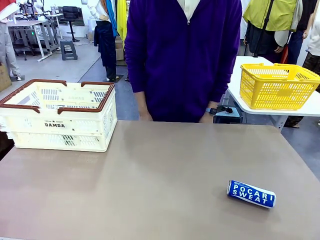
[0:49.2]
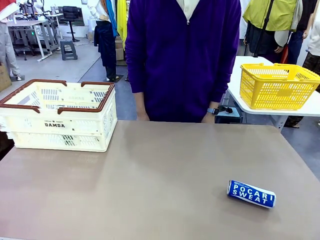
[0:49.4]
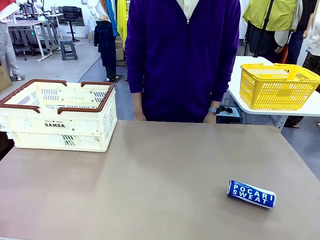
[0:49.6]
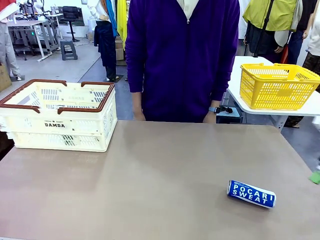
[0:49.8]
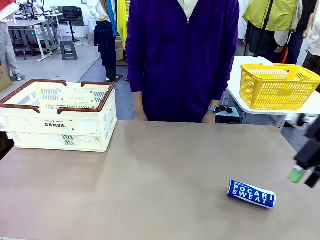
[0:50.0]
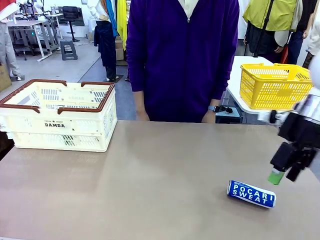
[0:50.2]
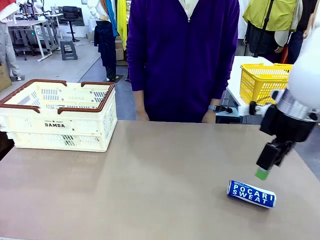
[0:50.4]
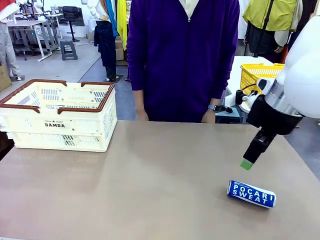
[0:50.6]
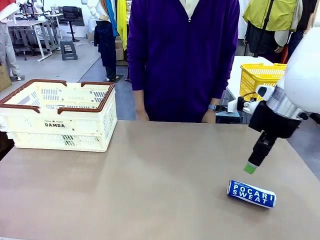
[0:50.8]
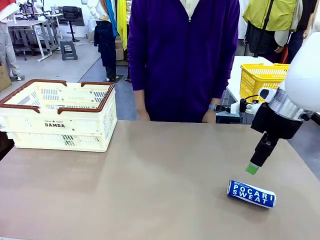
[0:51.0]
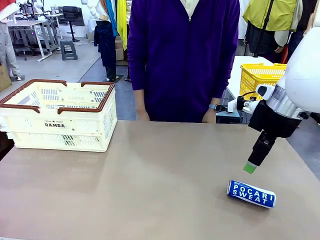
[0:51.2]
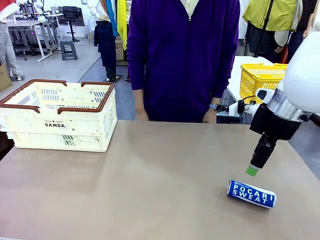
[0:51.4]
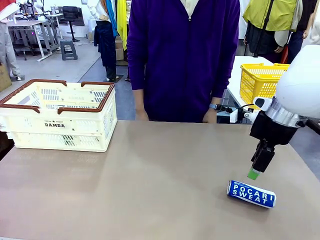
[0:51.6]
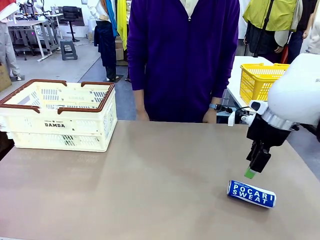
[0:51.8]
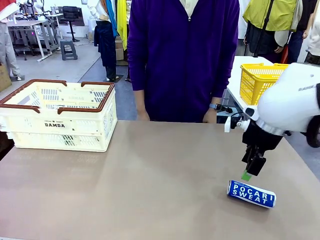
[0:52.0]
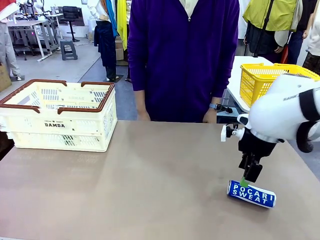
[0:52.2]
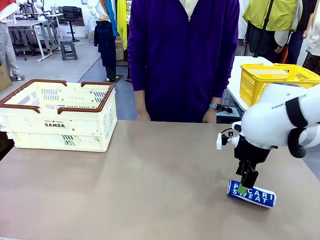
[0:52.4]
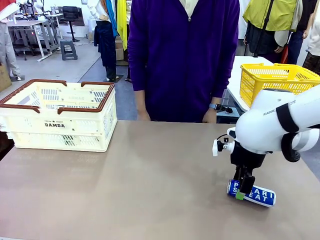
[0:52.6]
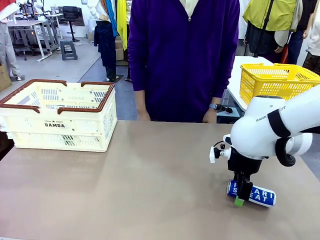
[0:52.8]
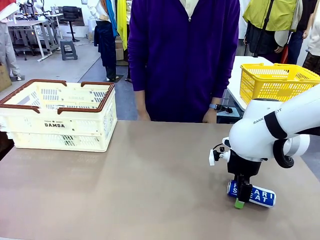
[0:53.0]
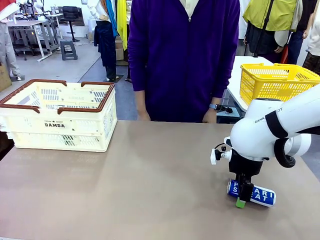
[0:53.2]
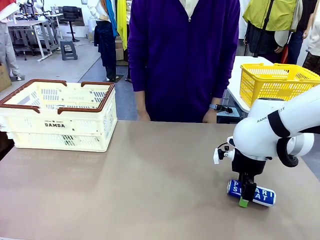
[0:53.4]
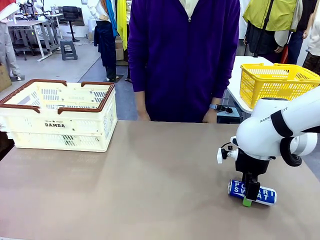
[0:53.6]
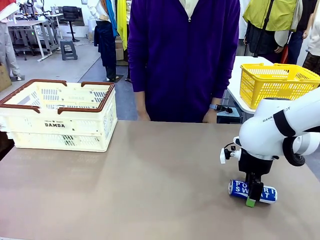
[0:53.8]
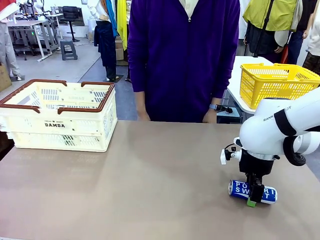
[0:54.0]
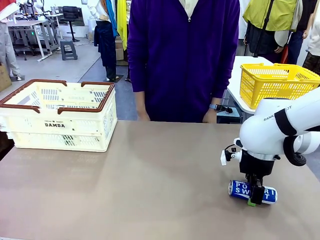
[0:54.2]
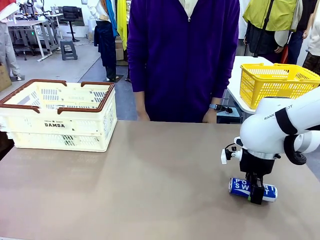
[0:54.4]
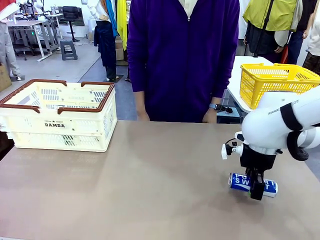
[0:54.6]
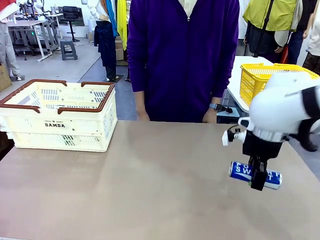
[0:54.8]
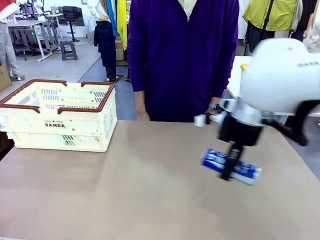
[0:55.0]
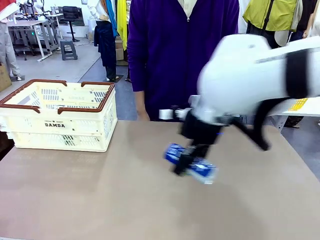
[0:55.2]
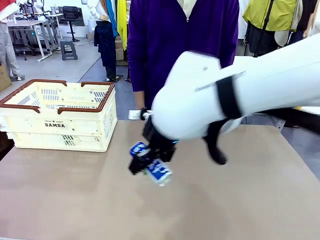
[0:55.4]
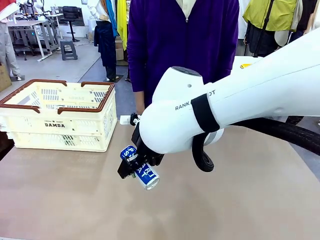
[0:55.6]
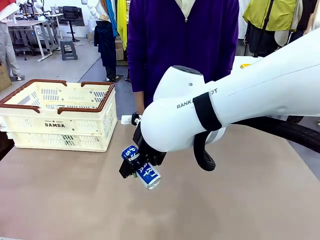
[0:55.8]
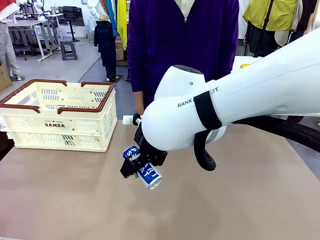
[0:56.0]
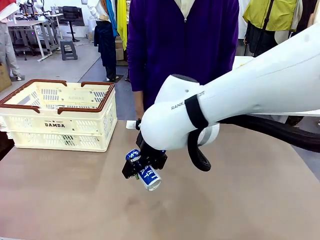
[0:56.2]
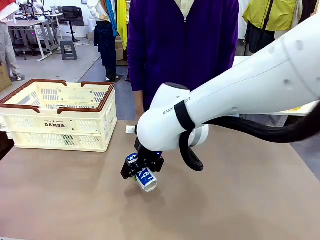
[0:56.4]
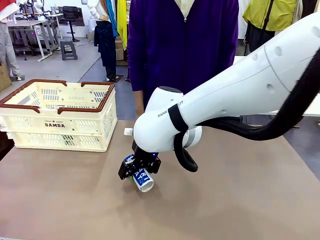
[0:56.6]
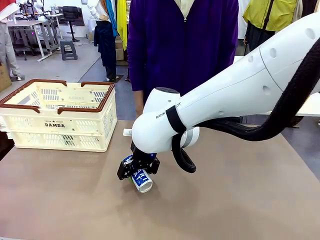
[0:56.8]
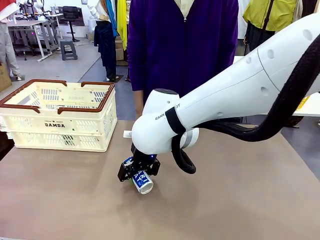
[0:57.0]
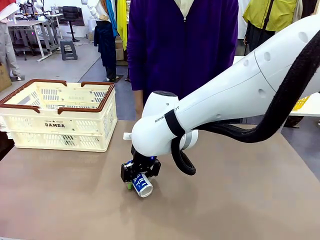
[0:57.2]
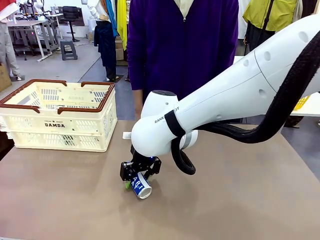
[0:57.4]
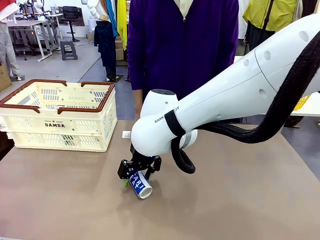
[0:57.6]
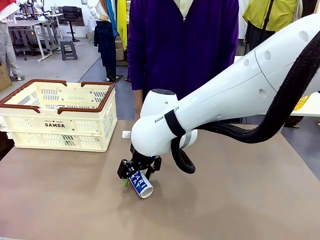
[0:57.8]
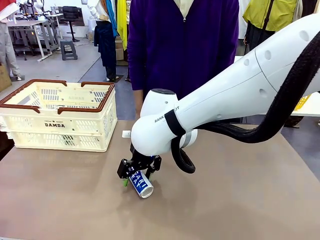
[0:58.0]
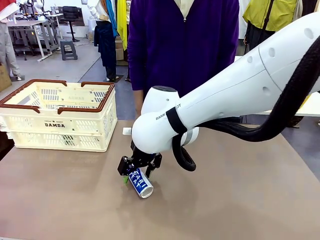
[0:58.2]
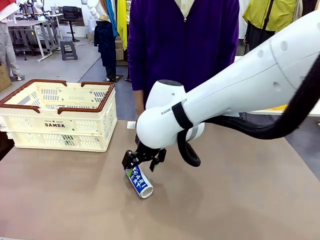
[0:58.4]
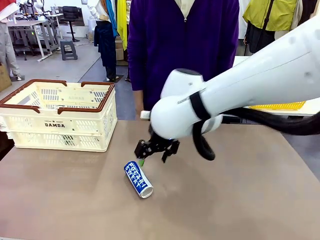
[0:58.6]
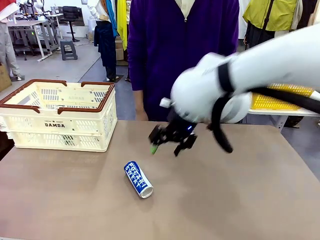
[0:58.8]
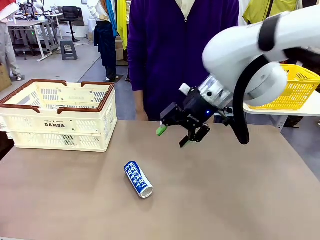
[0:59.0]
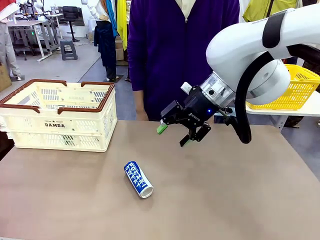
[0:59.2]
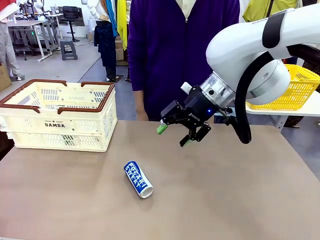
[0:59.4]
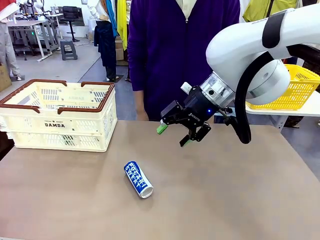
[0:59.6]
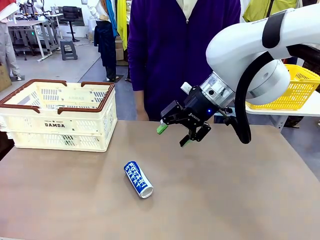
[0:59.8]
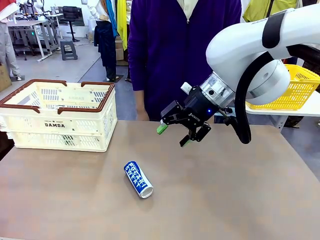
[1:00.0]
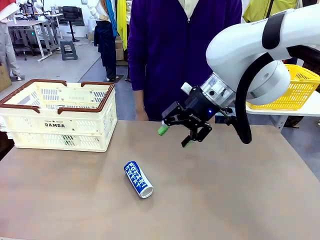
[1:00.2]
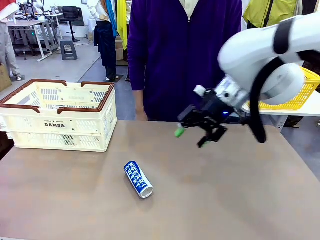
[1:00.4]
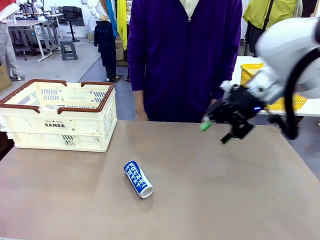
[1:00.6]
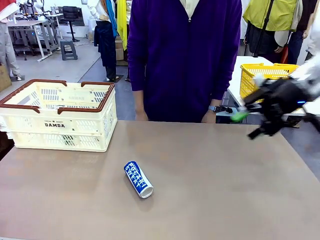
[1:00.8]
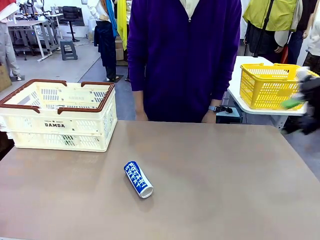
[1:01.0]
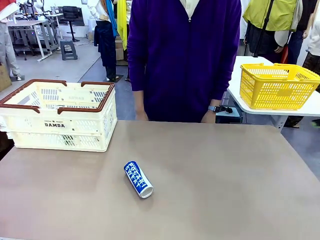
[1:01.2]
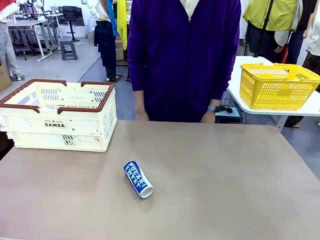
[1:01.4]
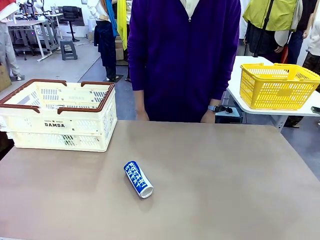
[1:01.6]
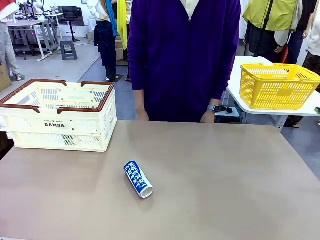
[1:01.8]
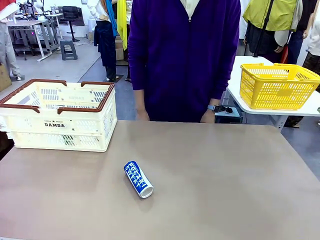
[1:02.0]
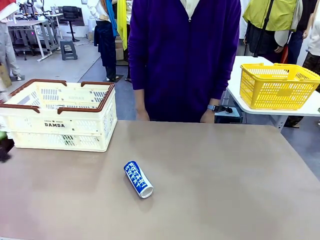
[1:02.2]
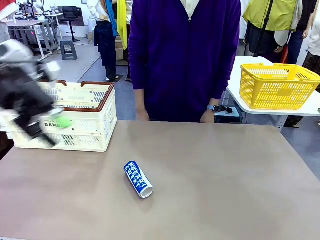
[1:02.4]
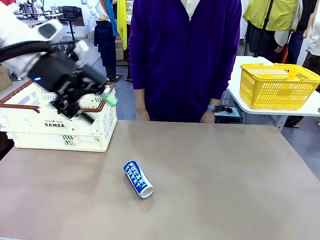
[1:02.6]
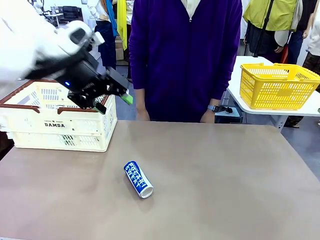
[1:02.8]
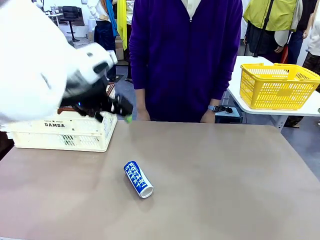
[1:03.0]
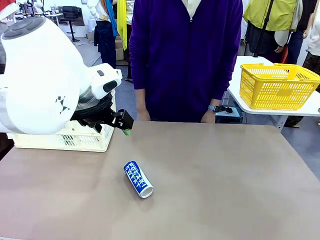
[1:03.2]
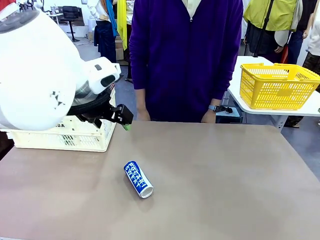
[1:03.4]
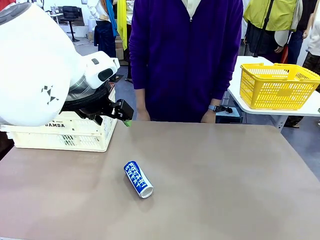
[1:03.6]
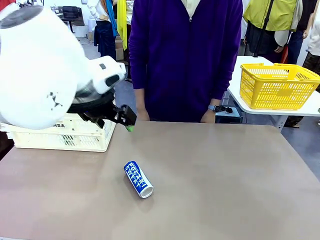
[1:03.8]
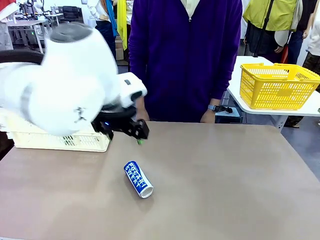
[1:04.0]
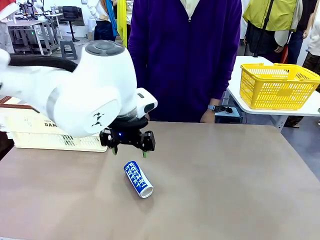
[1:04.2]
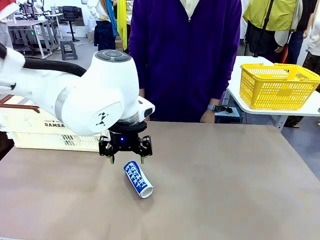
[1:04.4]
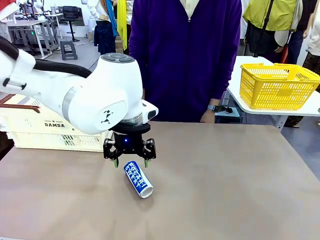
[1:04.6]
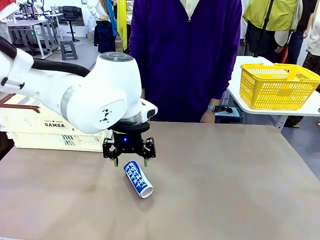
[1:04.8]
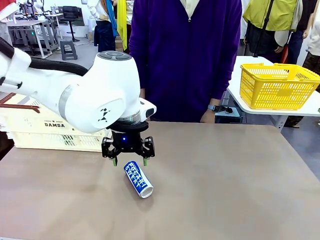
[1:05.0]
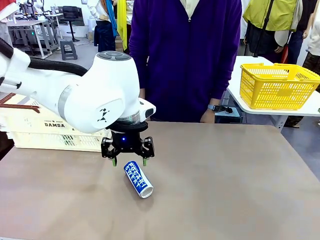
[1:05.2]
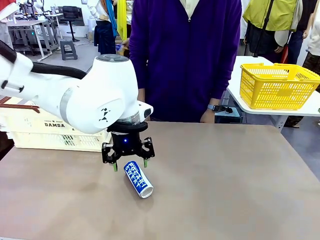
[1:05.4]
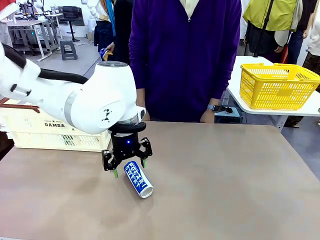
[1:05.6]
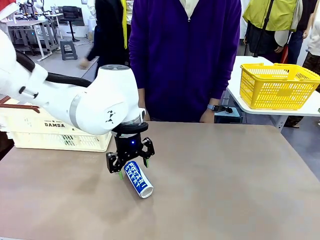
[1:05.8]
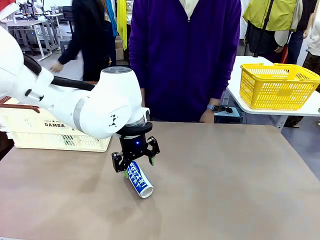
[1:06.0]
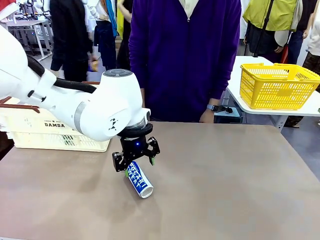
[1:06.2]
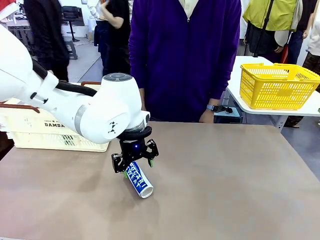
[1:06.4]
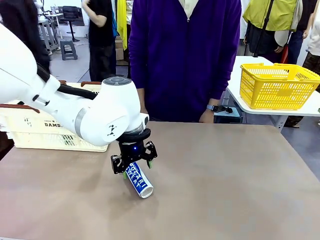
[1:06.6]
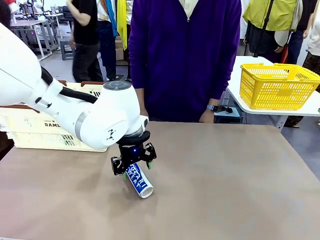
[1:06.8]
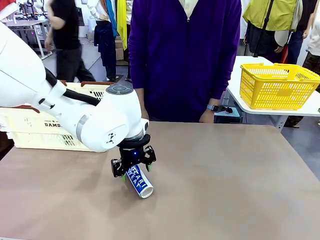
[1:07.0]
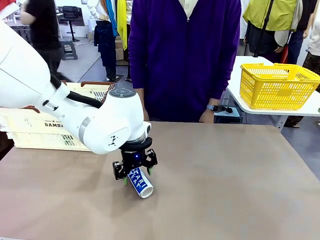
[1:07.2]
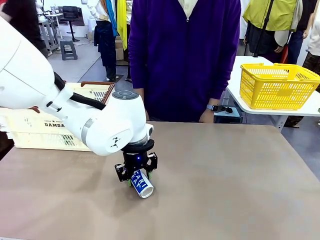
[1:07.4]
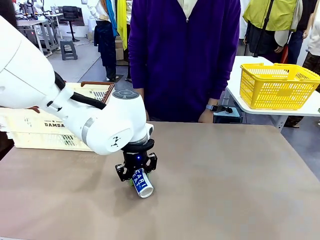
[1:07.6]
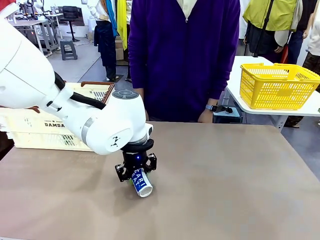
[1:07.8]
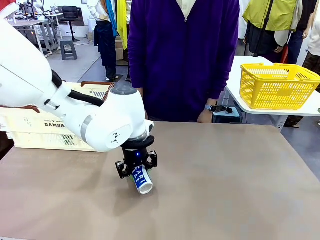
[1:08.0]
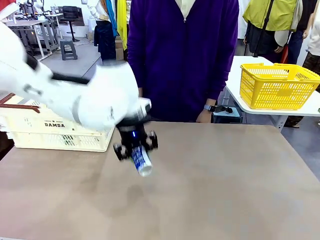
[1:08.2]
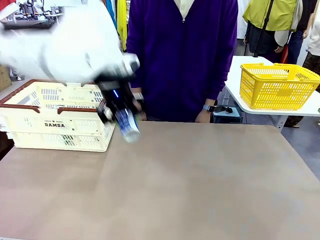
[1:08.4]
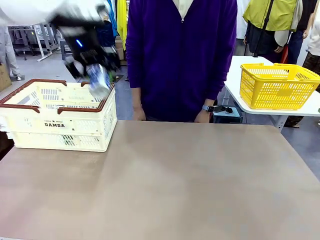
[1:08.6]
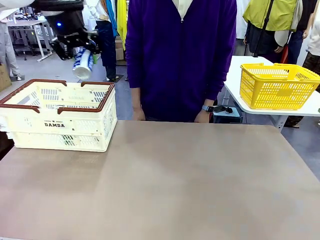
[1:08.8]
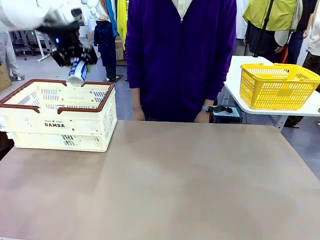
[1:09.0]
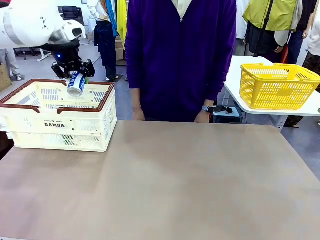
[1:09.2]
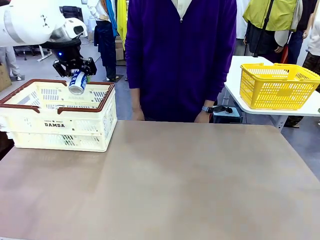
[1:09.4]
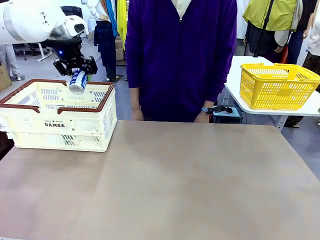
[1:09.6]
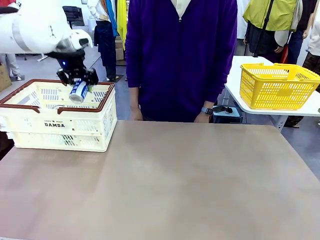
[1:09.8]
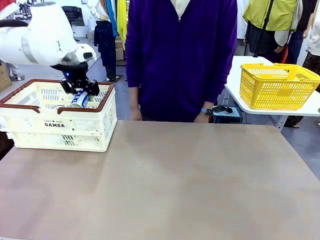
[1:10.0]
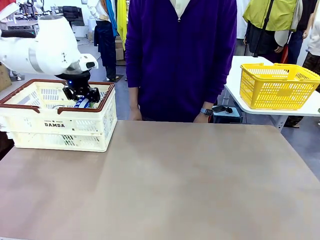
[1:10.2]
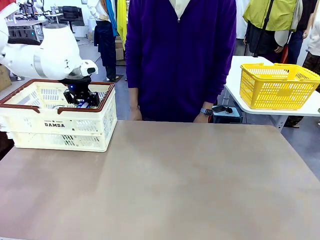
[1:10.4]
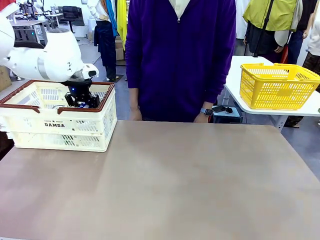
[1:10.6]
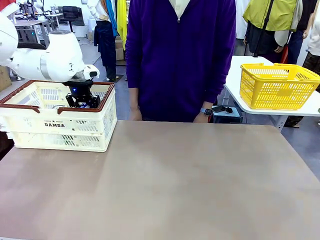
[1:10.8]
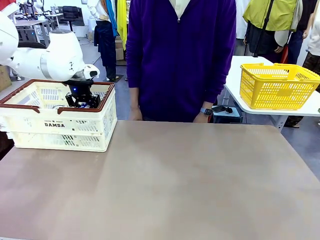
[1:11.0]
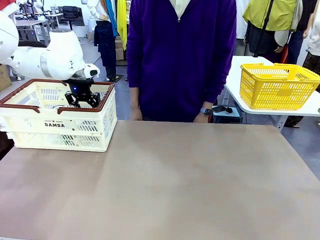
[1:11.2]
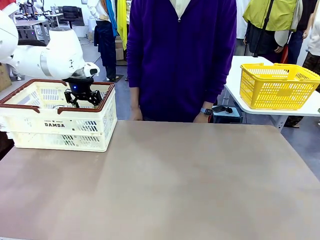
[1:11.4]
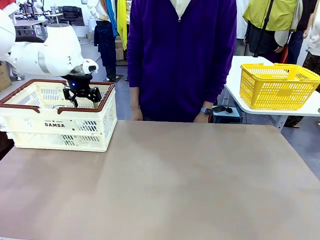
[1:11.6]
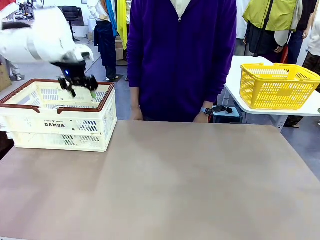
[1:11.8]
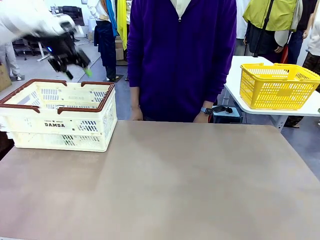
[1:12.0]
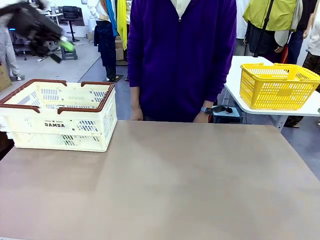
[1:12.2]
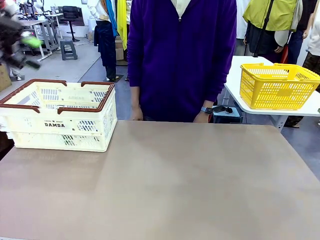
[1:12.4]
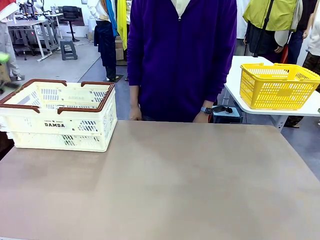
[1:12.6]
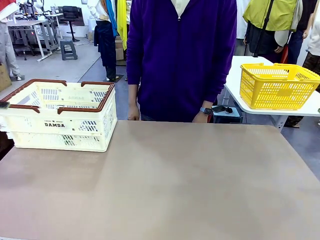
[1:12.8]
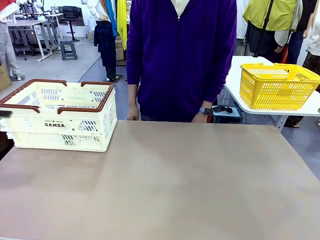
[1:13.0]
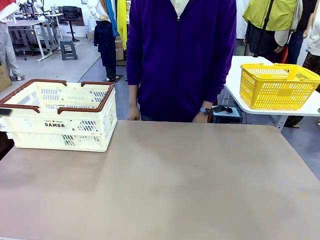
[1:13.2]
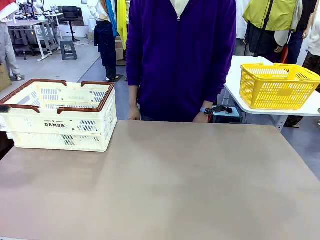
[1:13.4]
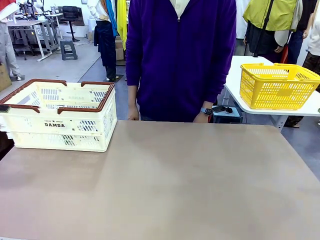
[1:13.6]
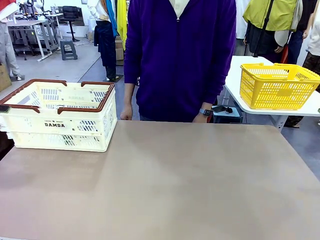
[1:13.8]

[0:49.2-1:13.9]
Task: Place the drinks into the Shopping basket.
Robot: Pick up one drink and place it into the Shopping basket.
